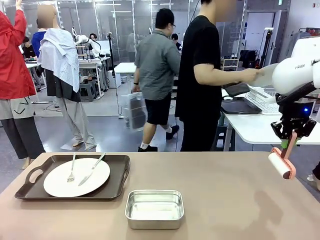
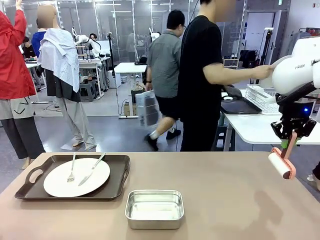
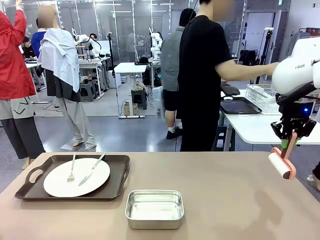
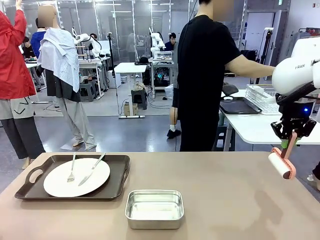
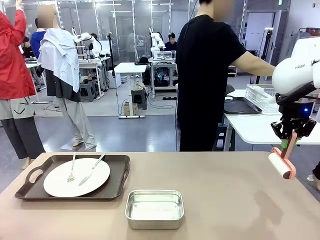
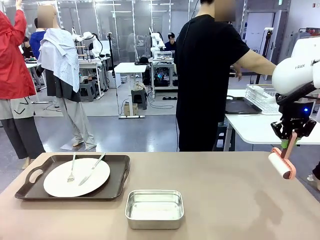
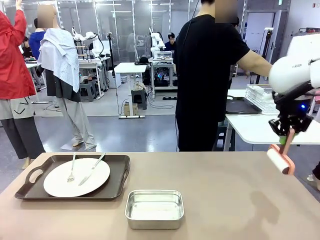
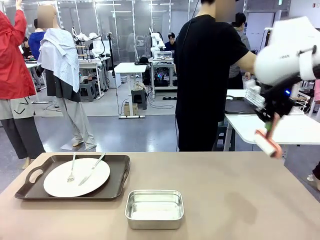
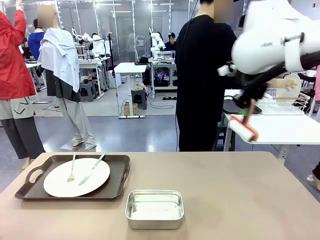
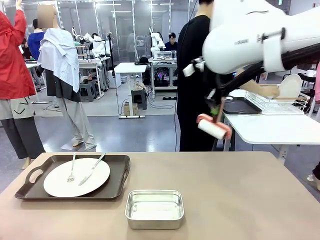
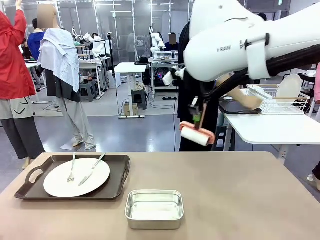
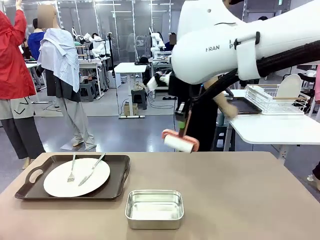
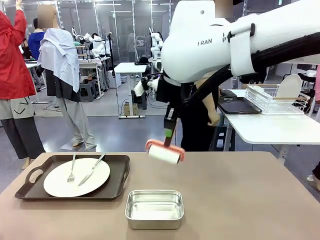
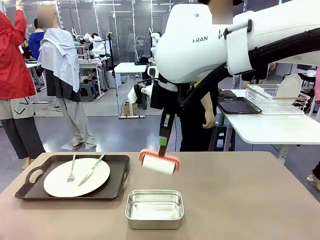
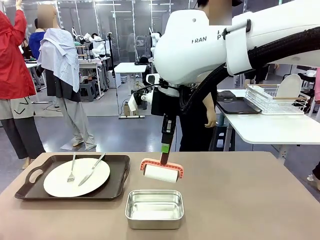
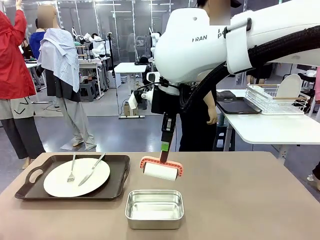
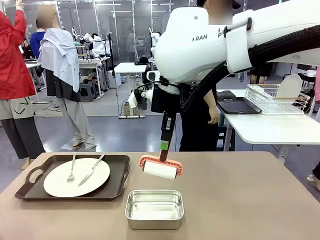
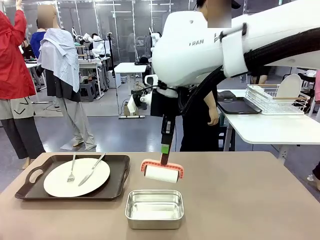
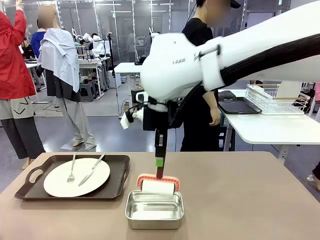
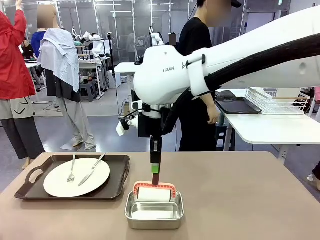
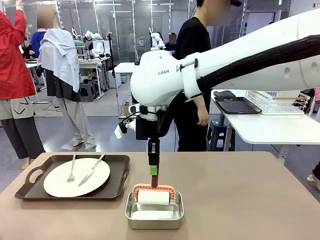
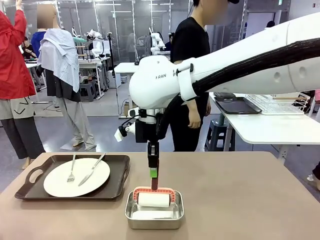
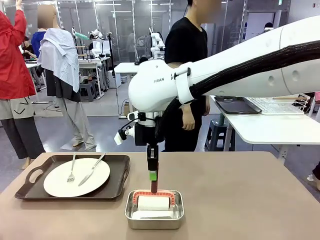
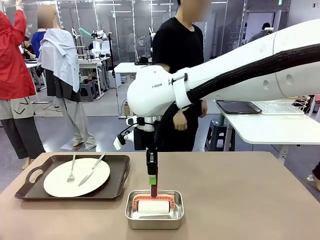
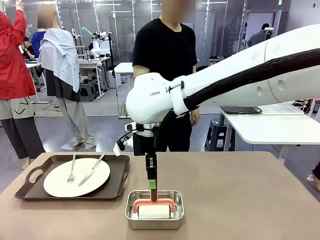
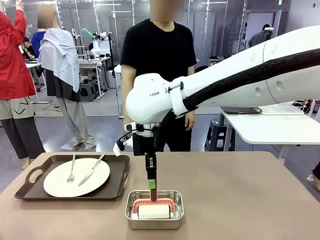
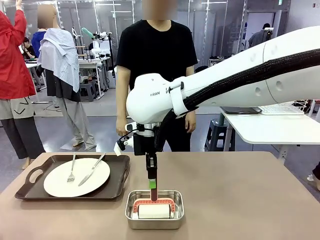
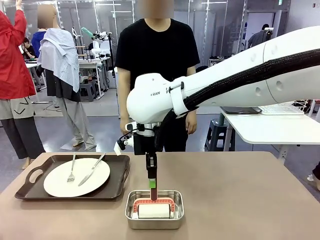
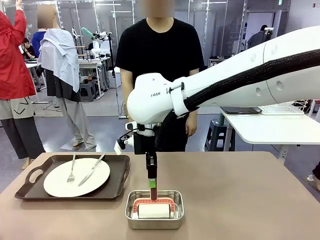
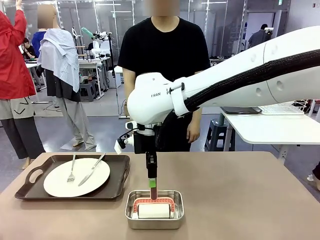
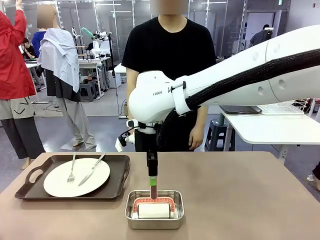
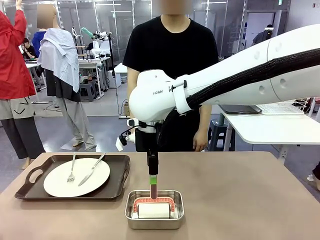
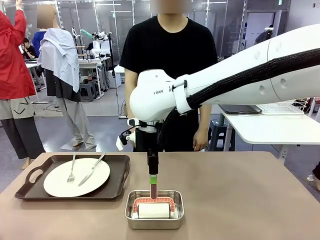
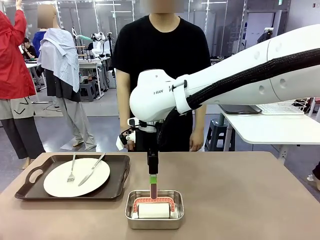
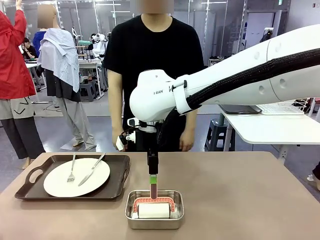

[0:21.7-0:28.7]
Robot: Place the Lint Roller back on top of the Airtight Container.

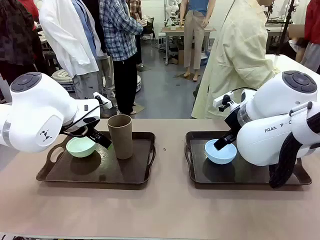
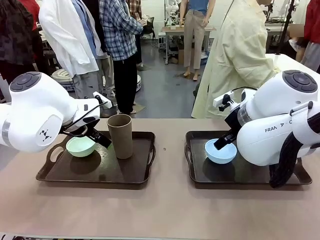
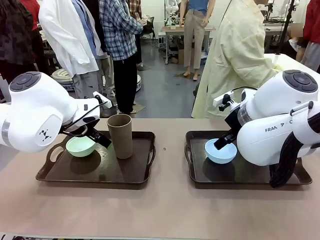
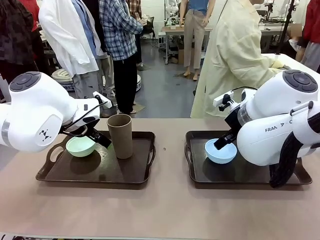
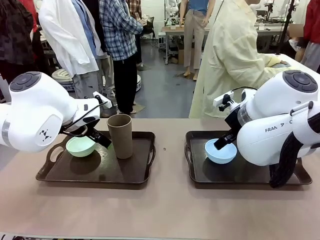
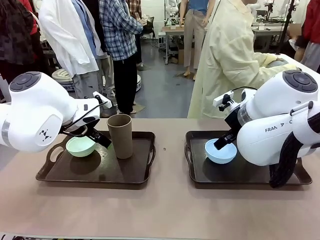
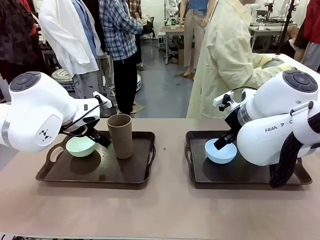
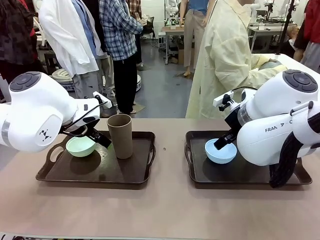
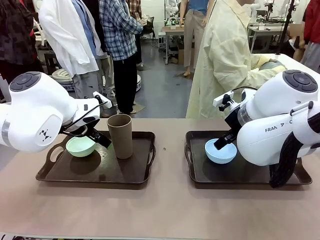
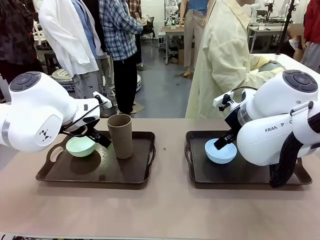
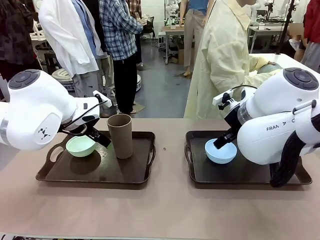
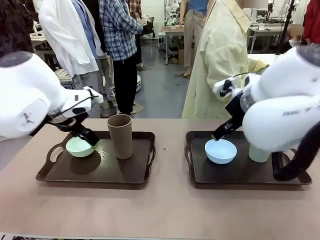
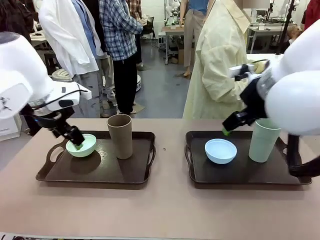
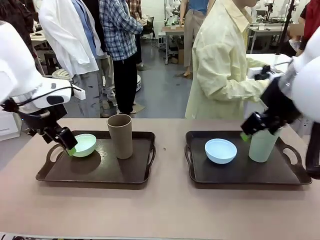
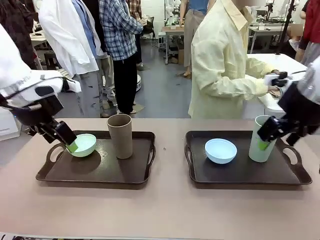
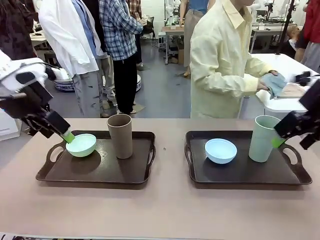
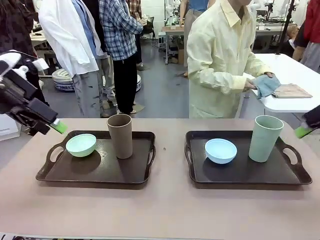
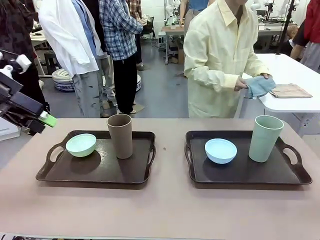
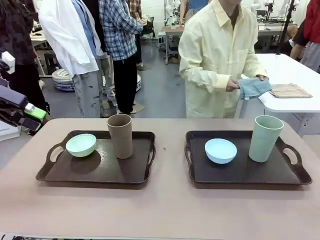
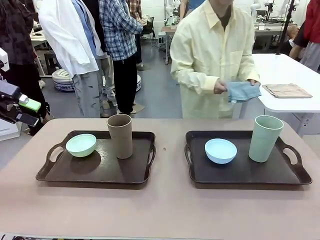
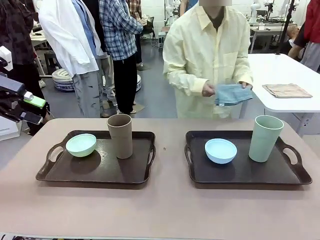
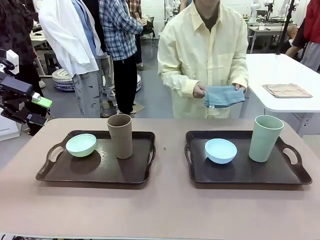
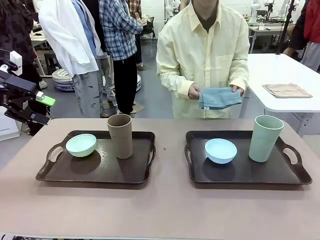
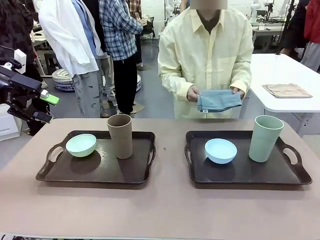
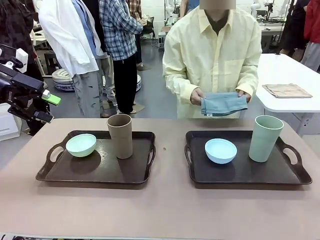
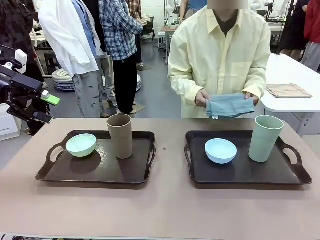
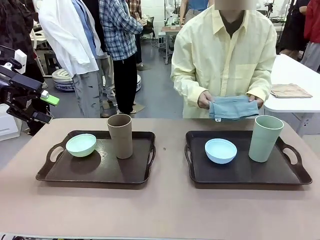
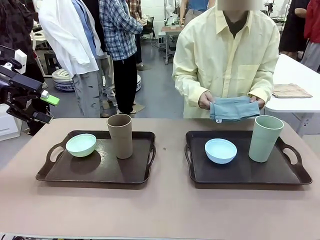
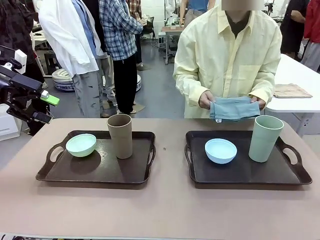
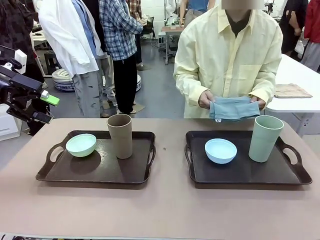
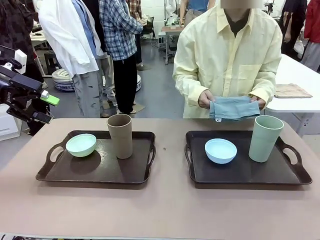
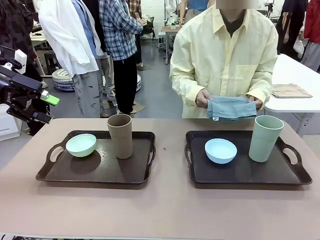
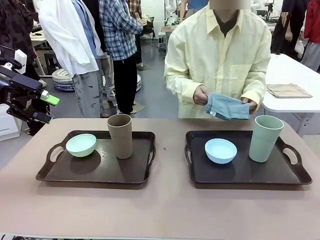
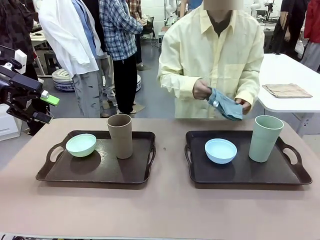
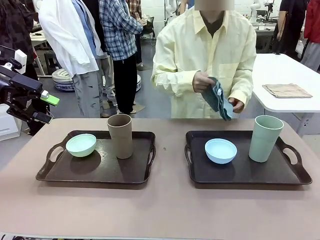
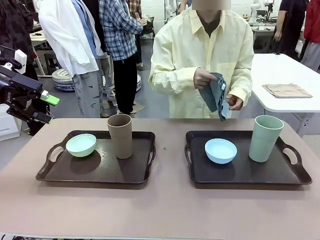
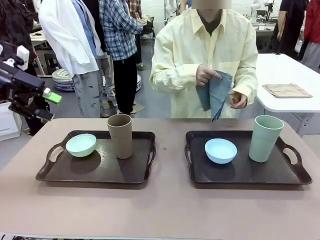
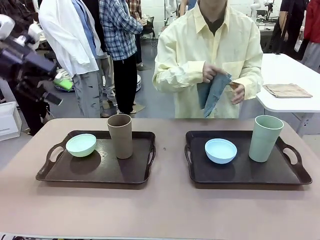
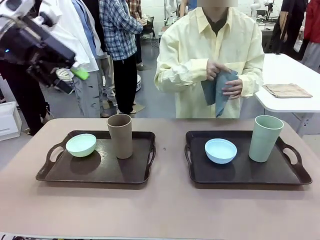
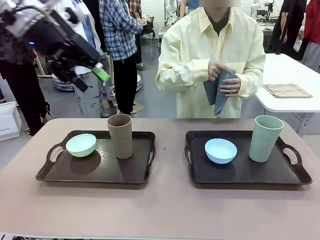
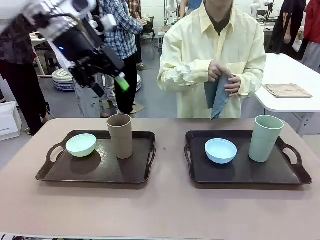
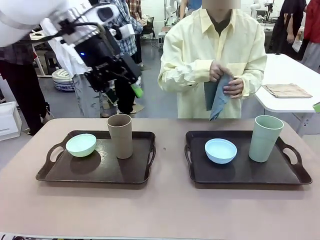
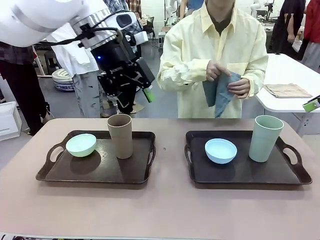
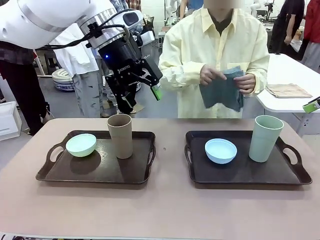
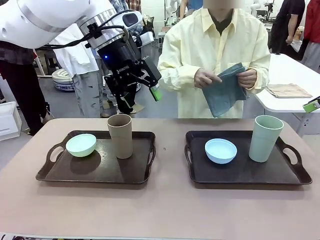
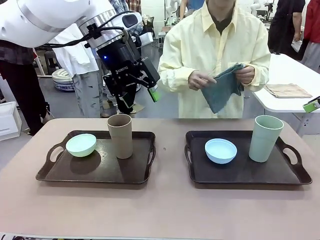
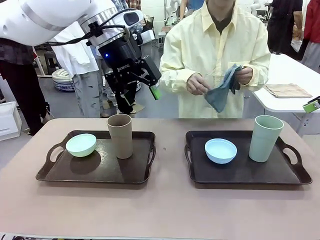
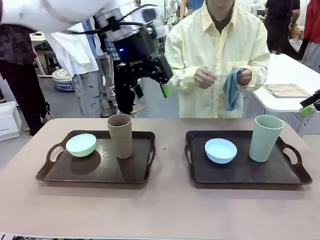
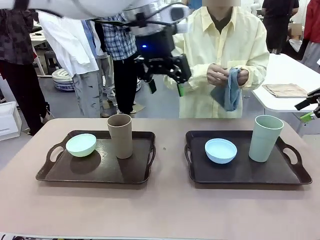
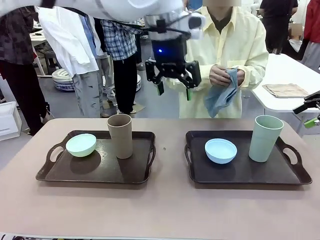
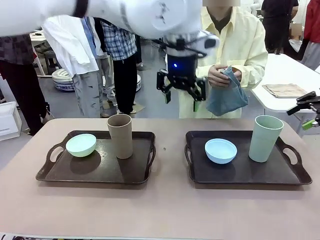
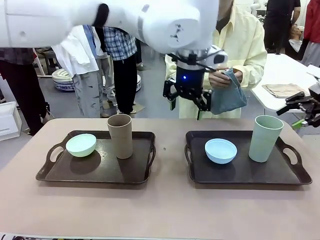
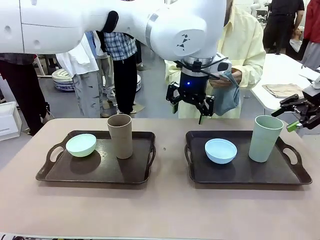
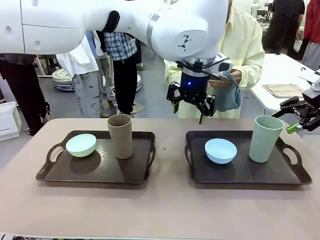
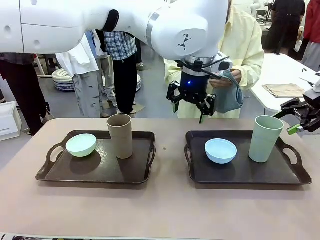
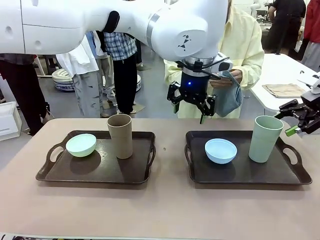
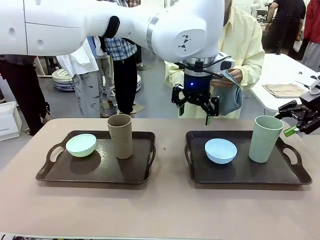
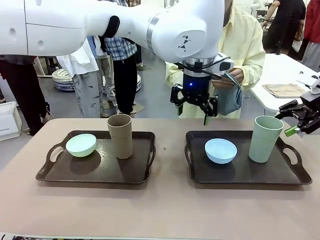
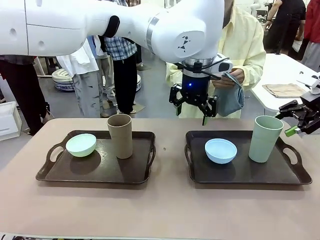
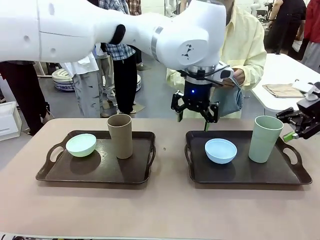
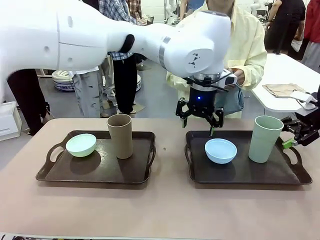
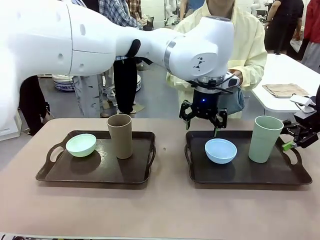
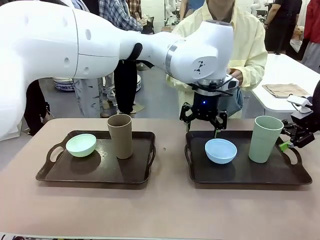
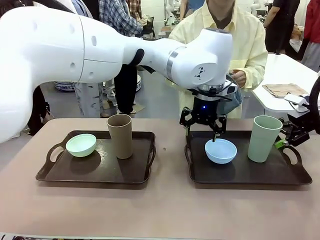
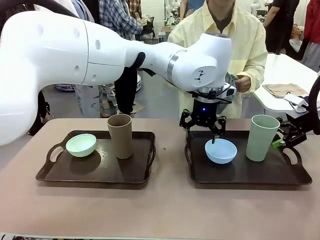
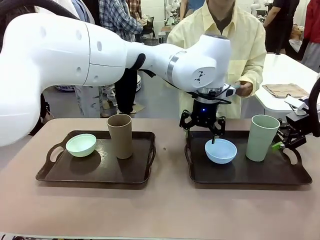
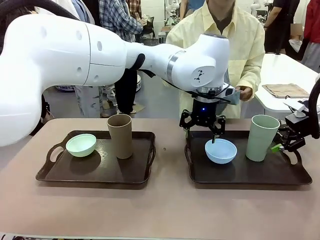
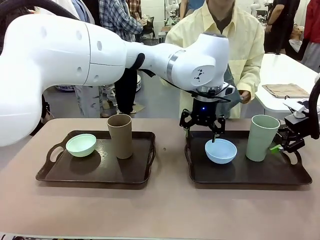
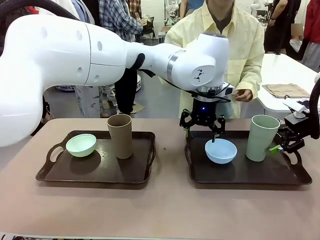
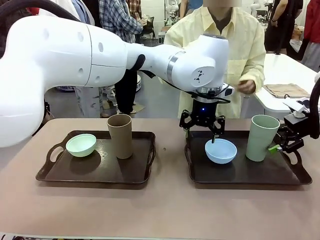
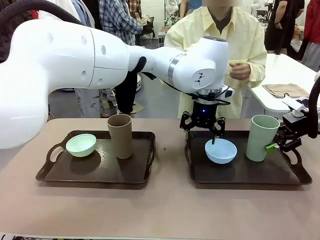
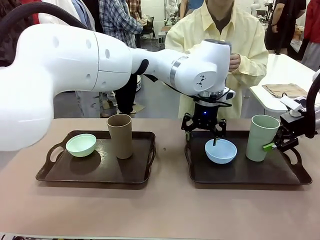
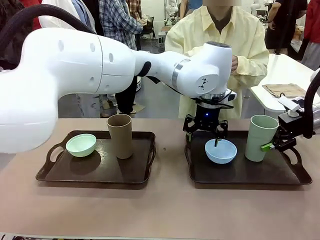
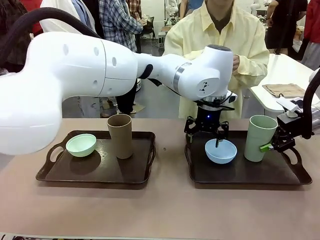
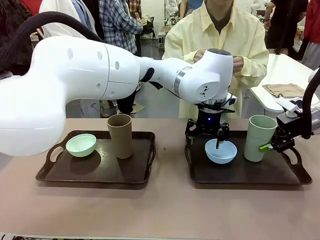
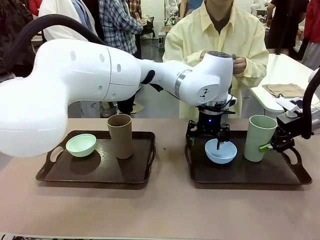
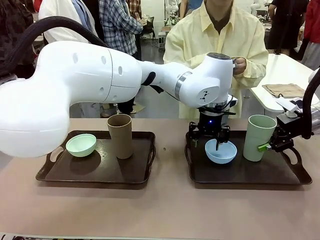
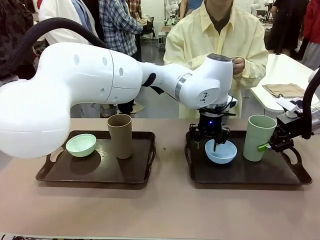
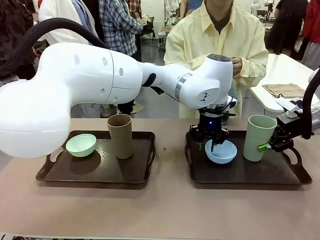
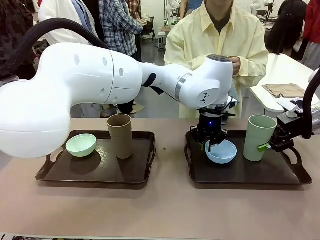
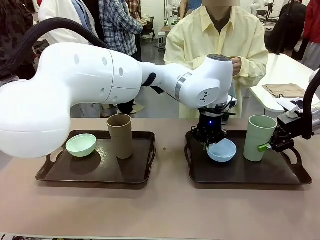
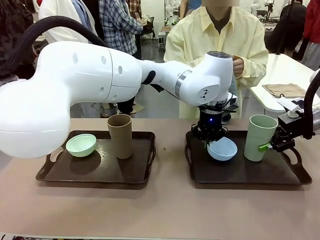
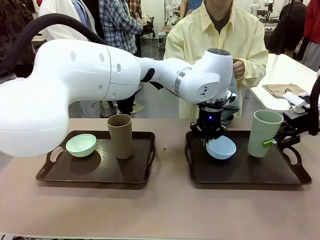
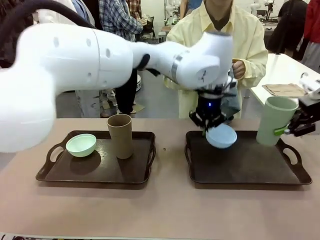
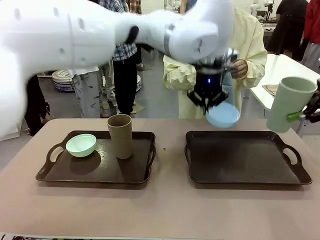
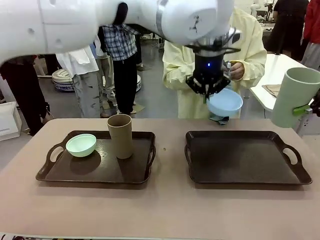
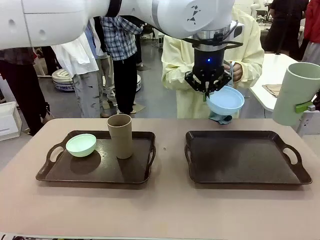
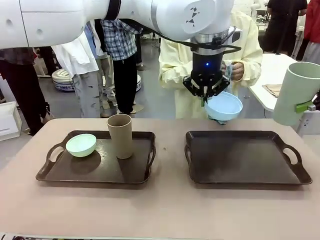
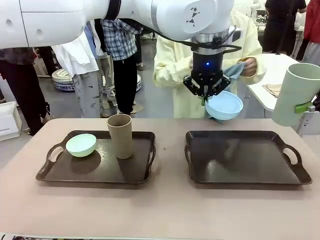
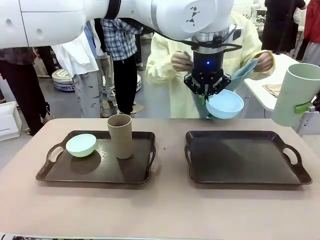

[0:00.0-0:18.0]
Robot: Pick up the Picnic Bowl and Reusable plastic cup from the Handle tray in front of the human's position and hold them in the air.
Person: The human picks up the top napkin from the stack on the human table and walks to the robot table to stand in front of one of the two trays. When the robot lifts the bowl and the cup, the human unfolds the napkin and lays the napkin flat on the tray.
